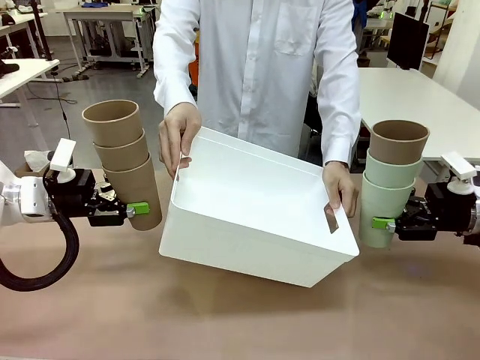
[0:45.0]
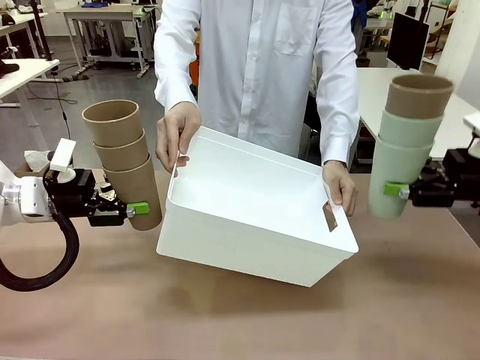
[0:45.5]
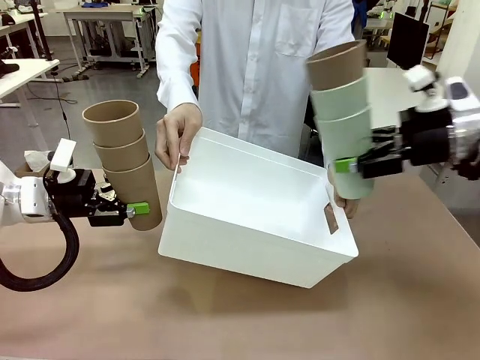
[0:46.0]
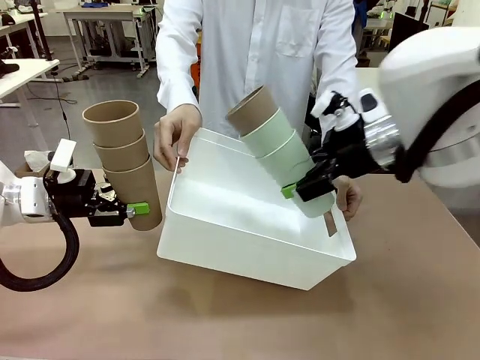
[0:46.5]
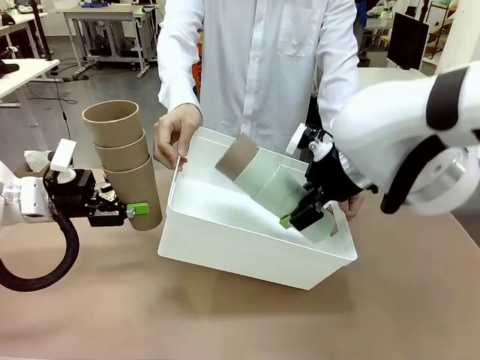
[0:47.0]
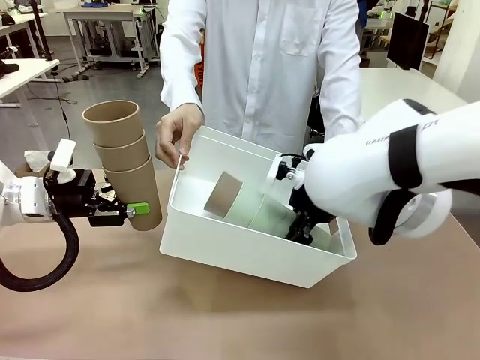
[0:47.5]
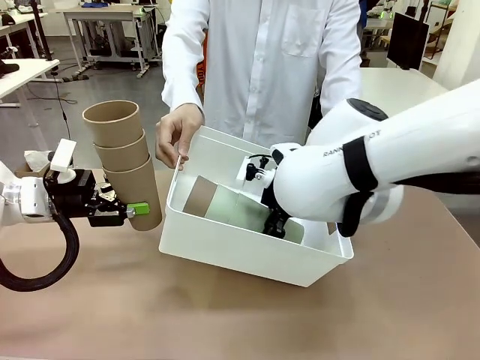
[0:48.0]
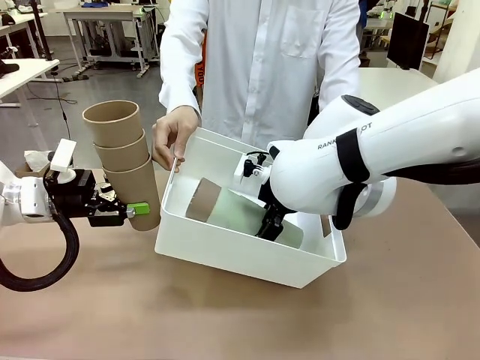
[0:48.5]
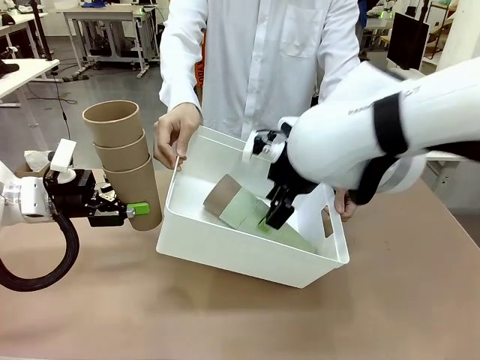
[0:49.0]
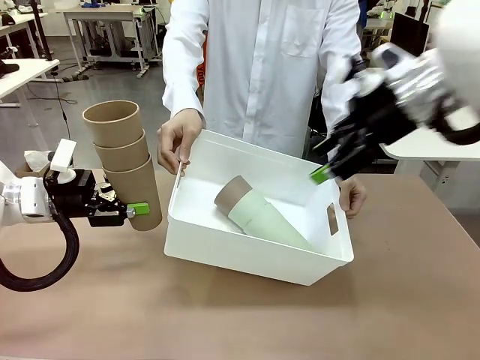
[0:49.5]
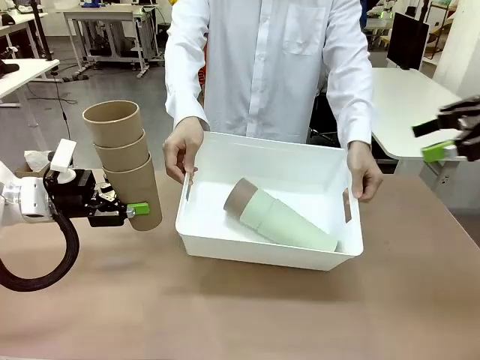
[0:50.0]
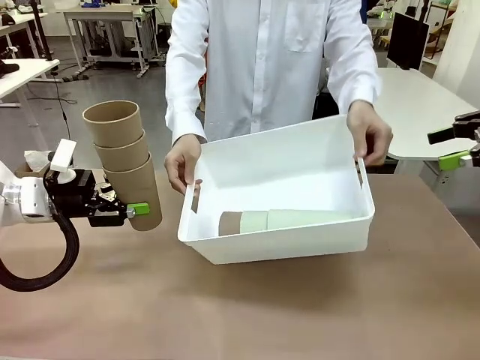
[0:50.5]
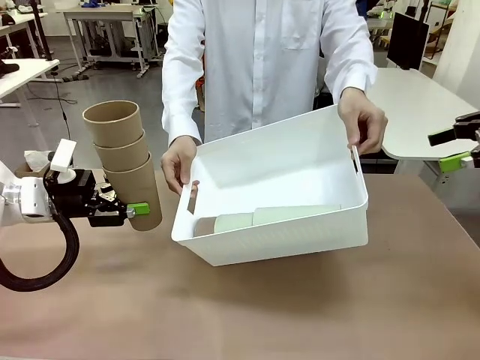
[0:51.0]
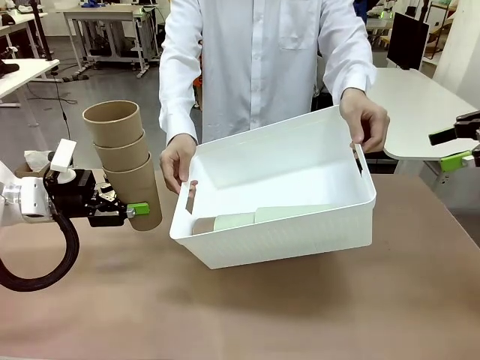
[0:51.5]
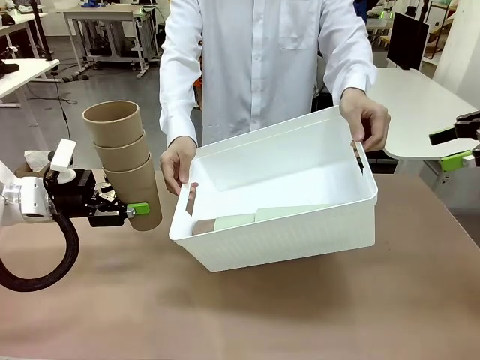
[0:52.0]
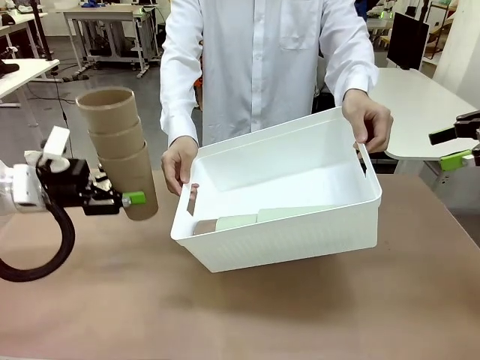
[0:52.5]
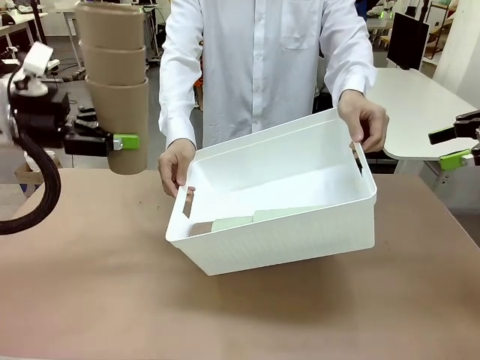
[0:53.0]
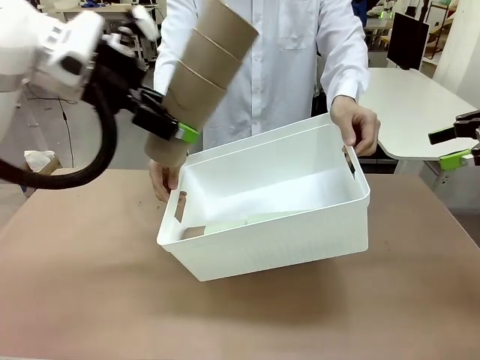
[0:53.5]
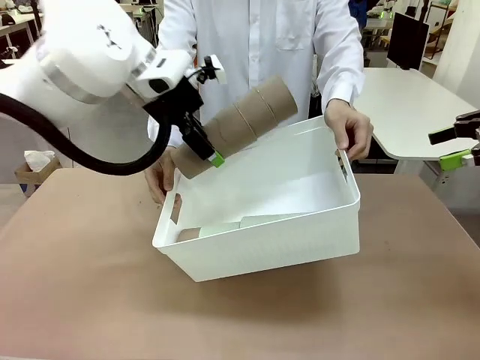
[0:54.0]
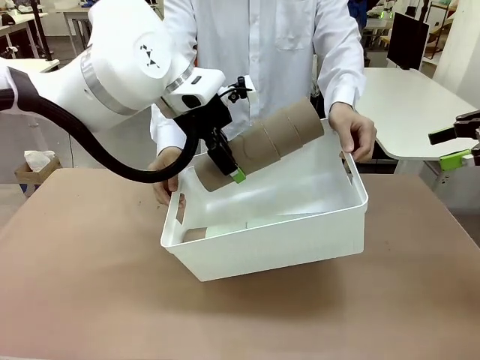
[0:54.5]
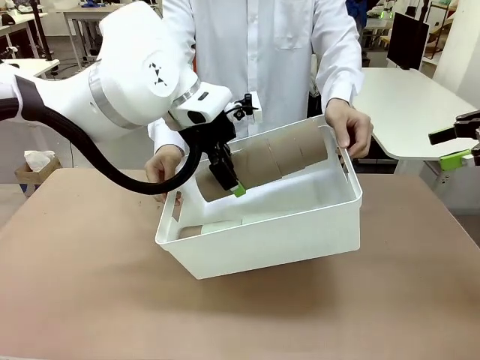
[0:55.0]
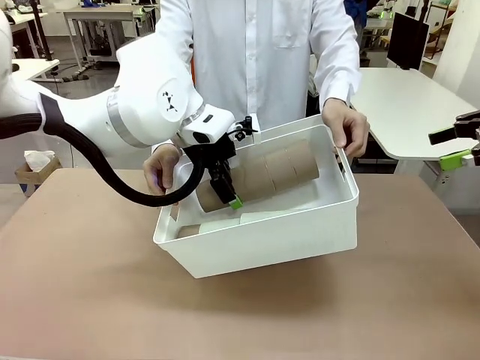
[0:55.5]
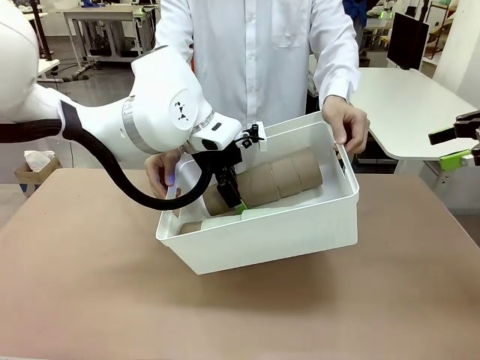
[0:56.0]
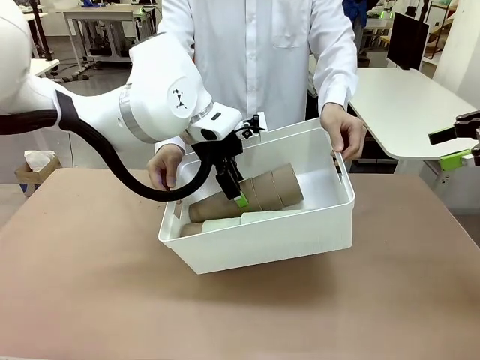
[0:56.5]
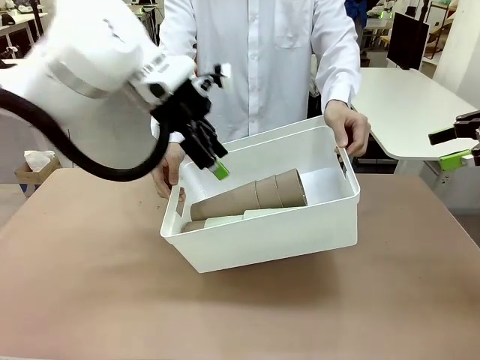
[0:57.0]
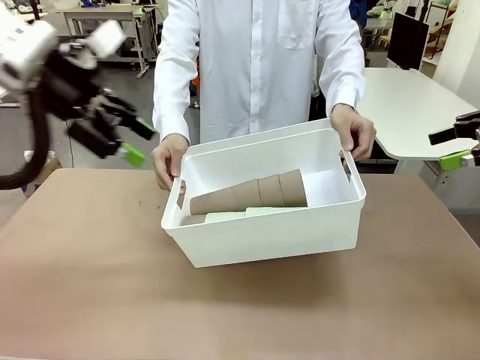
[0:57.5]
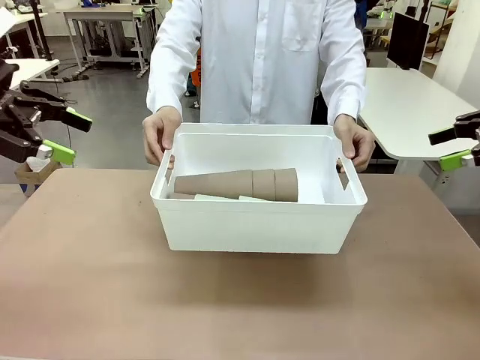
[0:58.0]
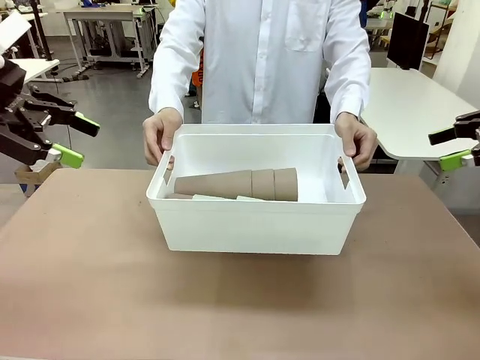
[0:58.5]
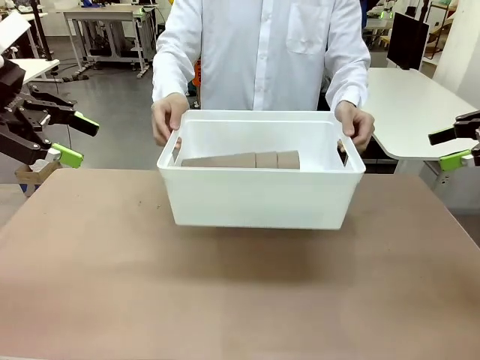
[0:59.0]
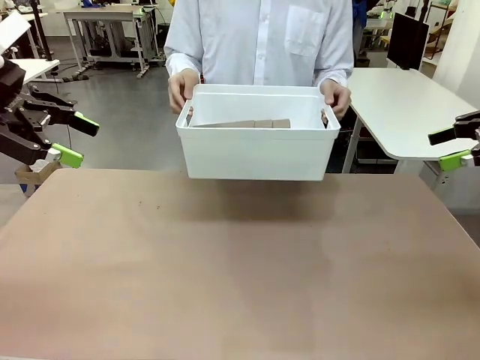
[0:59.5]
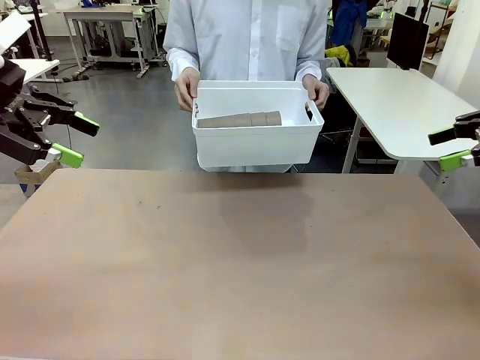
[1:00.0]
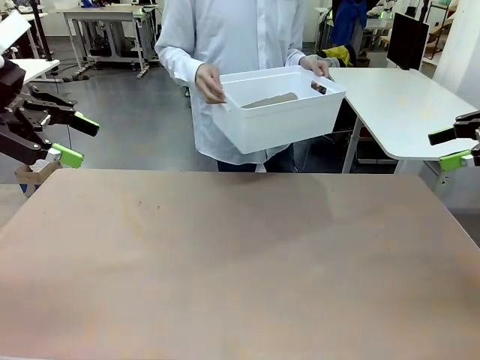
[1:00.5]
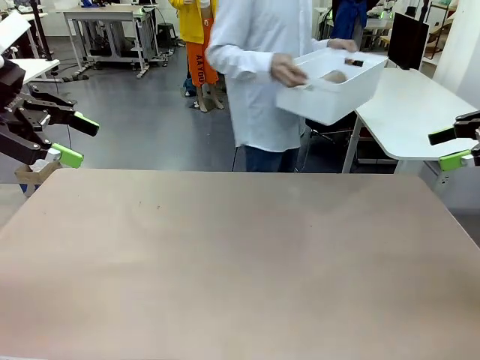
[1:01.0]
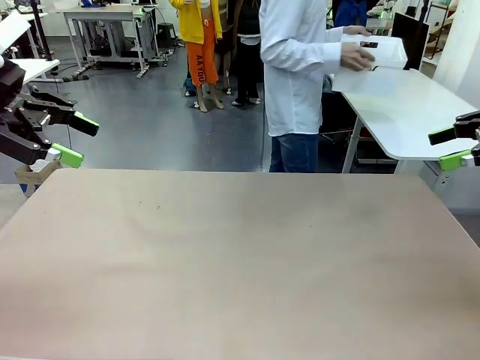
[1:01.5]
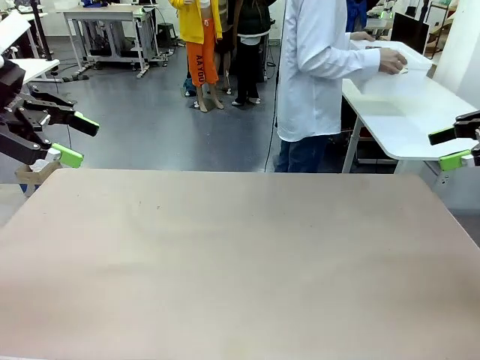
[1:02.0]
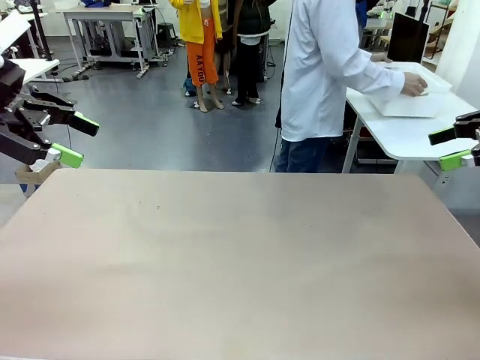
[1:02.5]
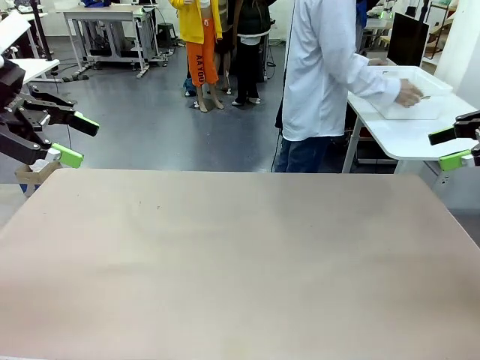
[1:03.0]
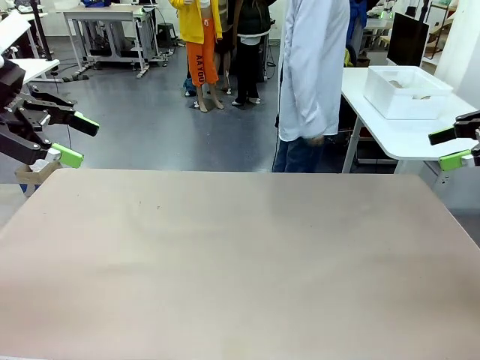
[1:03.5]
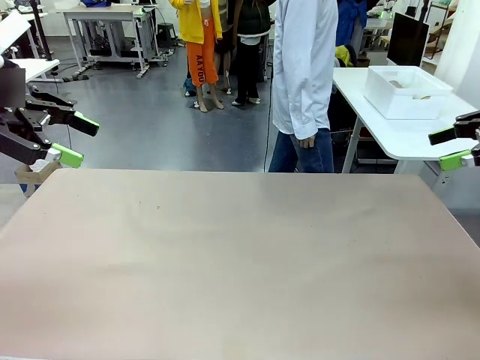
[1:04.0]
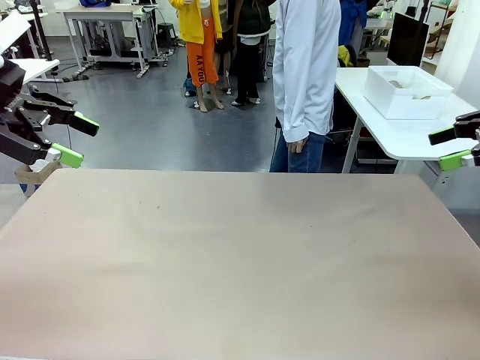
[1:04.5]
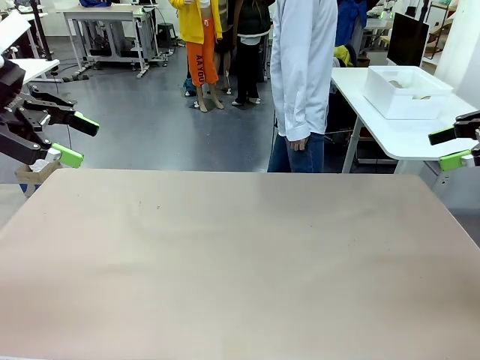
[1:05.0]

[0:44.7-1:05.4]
Task: Stack the cups and store them in the basket.
Robot: Place the stack of Reusable plastic cups into the Pantry Basket.
Person: Place the basket containing the cups in the middle of the Human Table.
